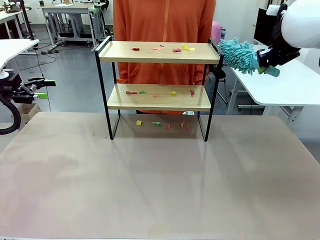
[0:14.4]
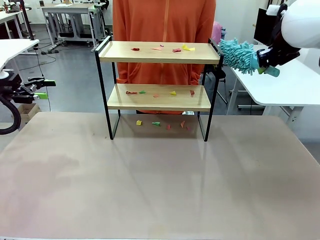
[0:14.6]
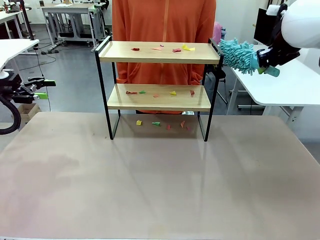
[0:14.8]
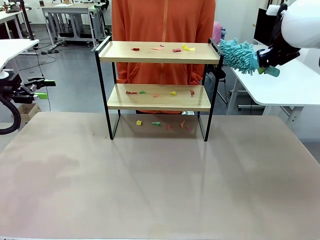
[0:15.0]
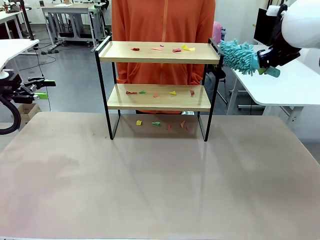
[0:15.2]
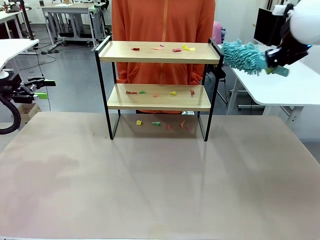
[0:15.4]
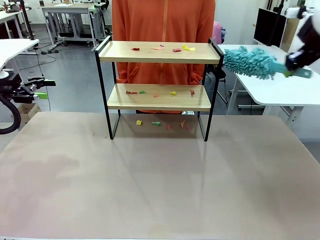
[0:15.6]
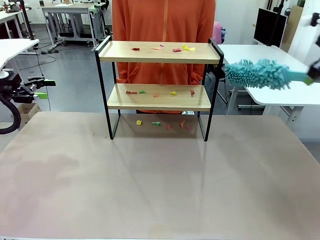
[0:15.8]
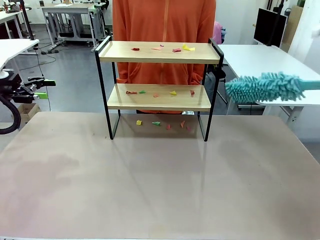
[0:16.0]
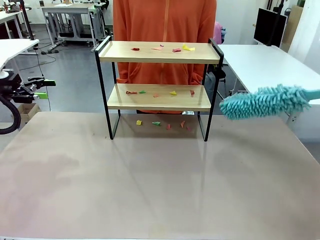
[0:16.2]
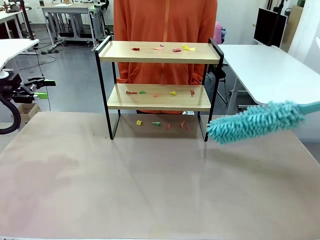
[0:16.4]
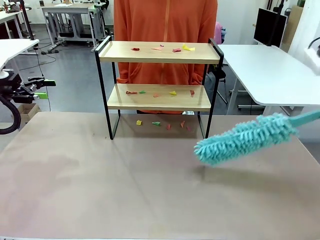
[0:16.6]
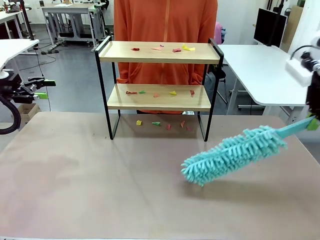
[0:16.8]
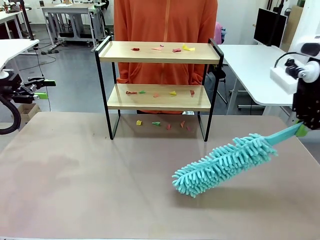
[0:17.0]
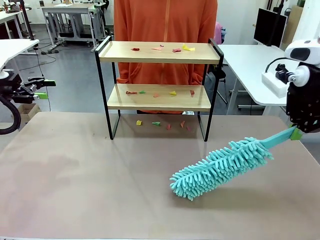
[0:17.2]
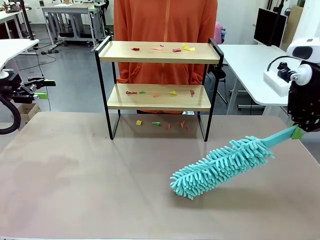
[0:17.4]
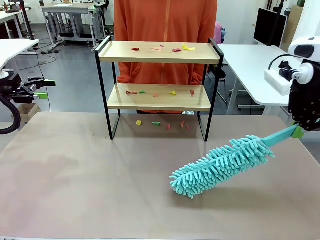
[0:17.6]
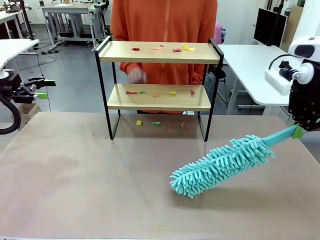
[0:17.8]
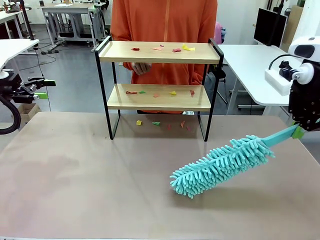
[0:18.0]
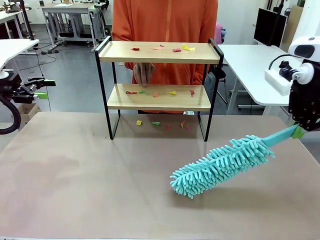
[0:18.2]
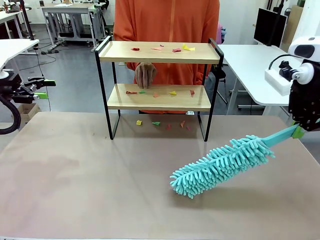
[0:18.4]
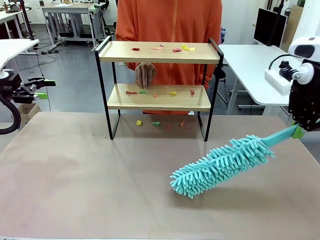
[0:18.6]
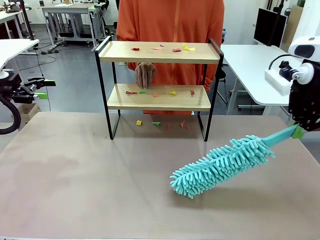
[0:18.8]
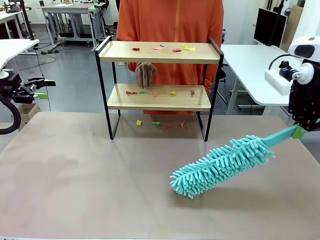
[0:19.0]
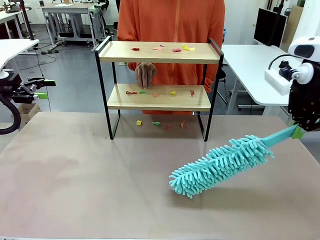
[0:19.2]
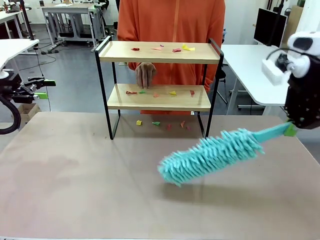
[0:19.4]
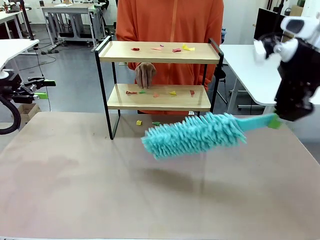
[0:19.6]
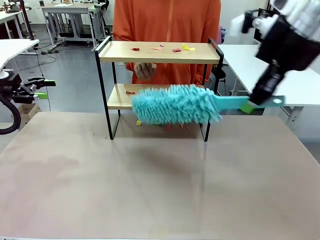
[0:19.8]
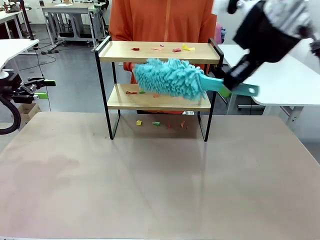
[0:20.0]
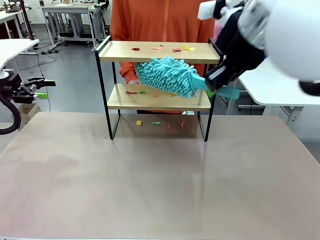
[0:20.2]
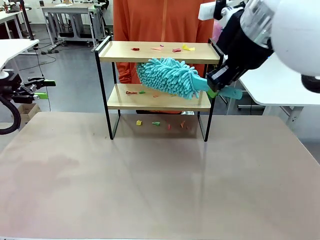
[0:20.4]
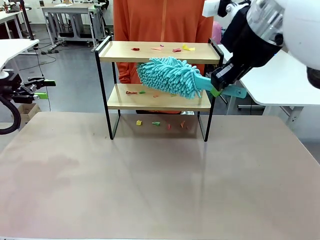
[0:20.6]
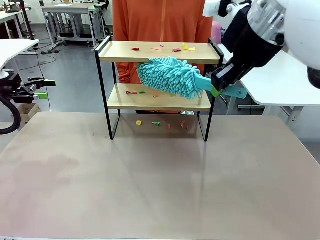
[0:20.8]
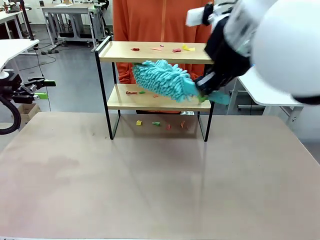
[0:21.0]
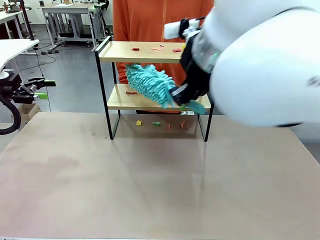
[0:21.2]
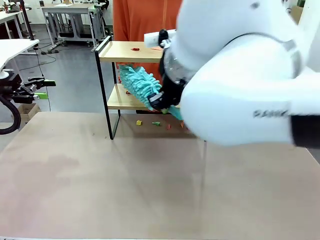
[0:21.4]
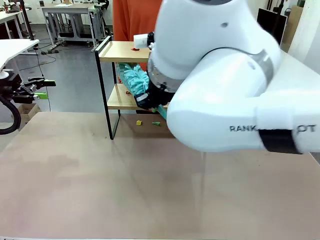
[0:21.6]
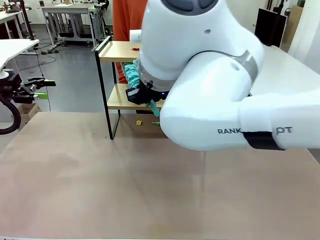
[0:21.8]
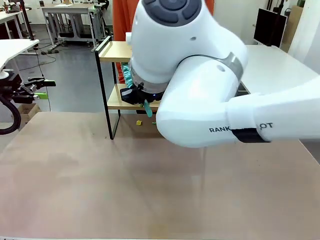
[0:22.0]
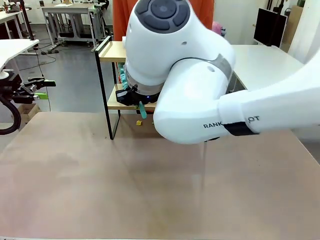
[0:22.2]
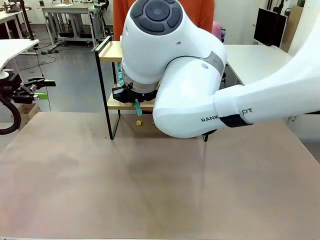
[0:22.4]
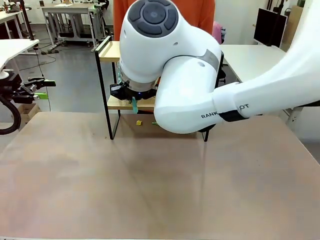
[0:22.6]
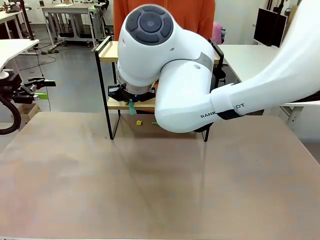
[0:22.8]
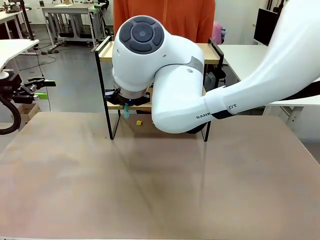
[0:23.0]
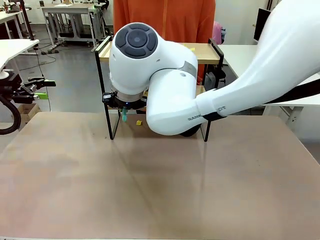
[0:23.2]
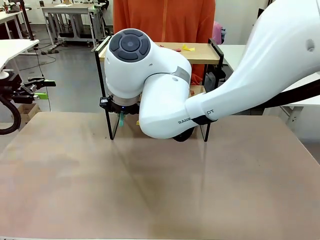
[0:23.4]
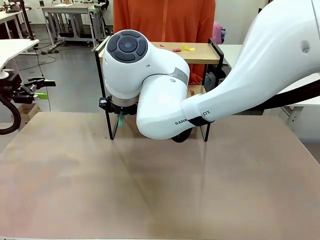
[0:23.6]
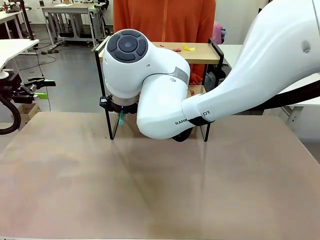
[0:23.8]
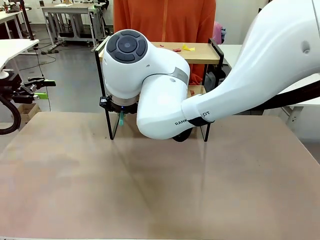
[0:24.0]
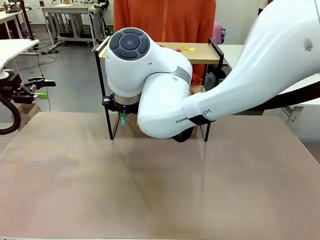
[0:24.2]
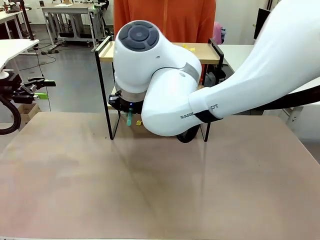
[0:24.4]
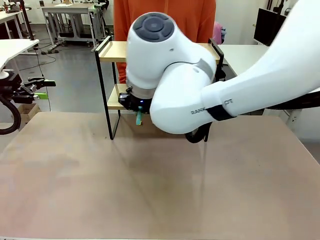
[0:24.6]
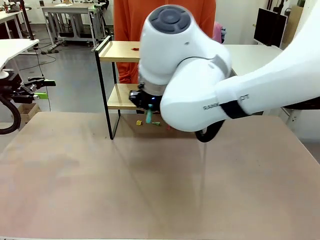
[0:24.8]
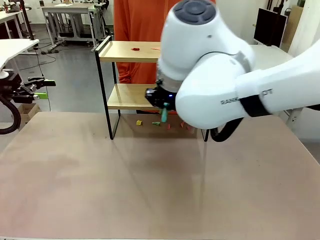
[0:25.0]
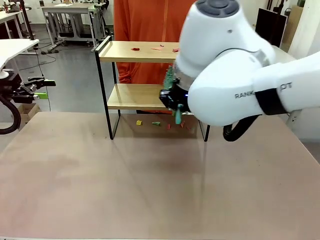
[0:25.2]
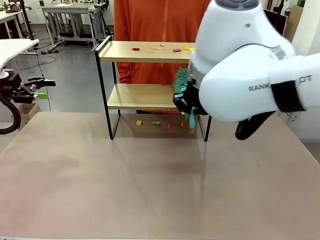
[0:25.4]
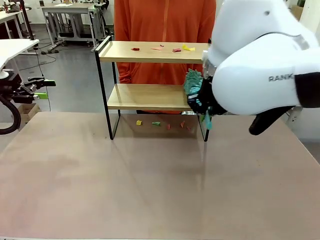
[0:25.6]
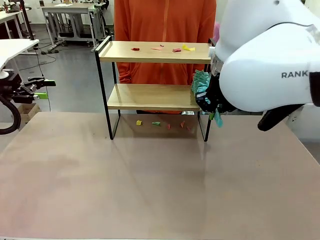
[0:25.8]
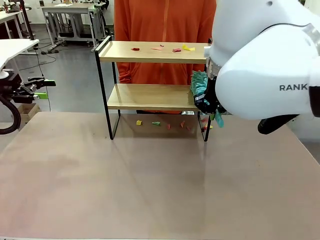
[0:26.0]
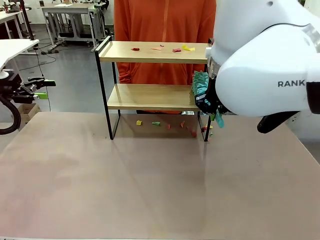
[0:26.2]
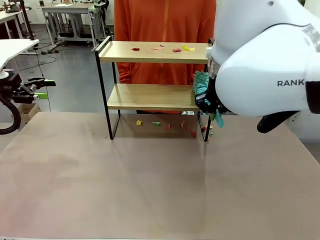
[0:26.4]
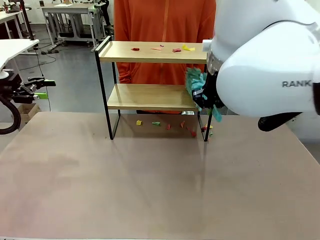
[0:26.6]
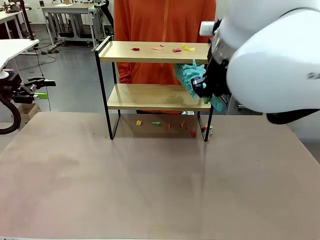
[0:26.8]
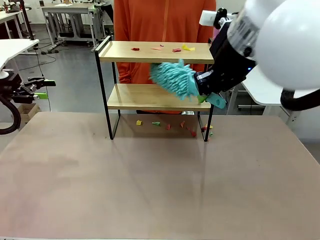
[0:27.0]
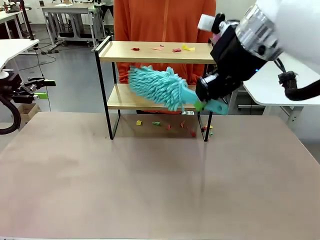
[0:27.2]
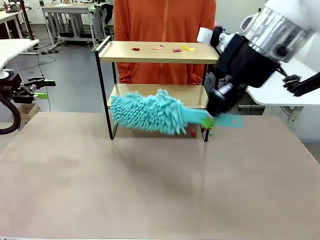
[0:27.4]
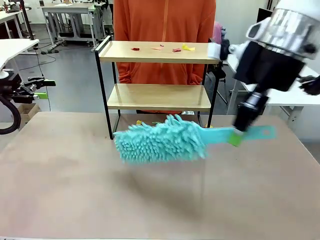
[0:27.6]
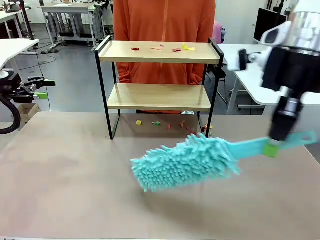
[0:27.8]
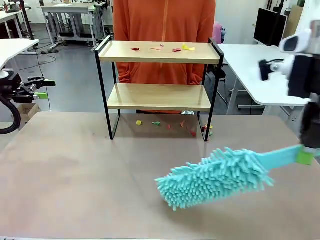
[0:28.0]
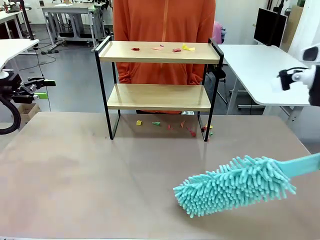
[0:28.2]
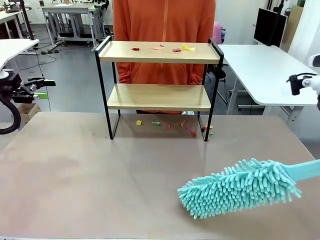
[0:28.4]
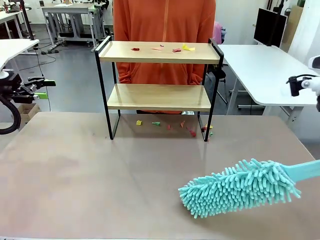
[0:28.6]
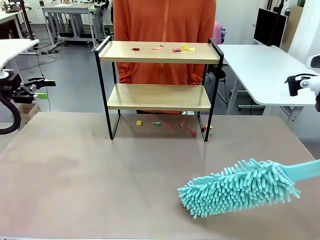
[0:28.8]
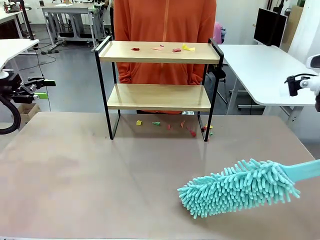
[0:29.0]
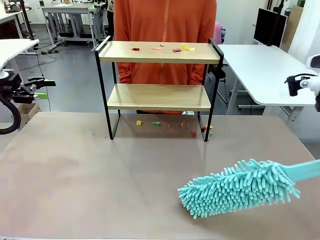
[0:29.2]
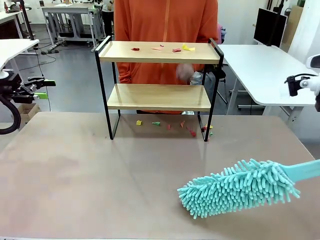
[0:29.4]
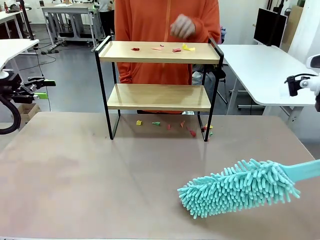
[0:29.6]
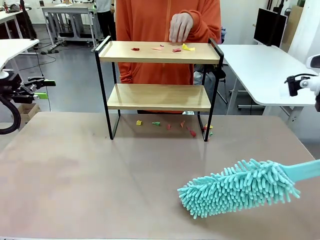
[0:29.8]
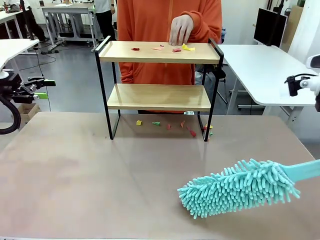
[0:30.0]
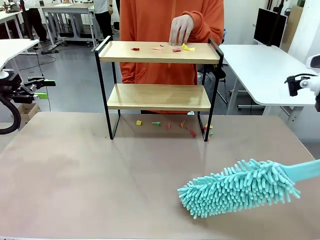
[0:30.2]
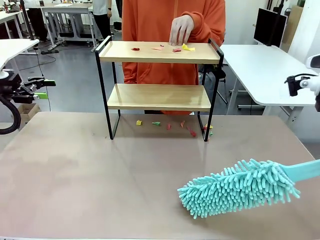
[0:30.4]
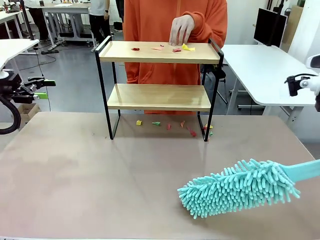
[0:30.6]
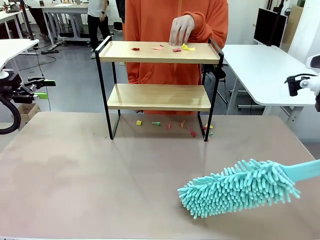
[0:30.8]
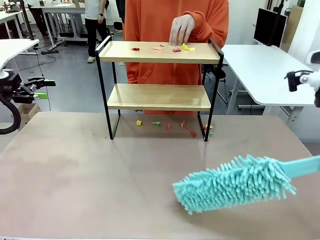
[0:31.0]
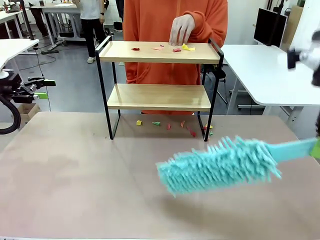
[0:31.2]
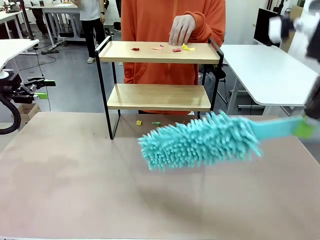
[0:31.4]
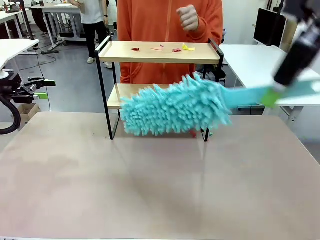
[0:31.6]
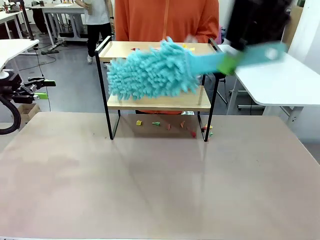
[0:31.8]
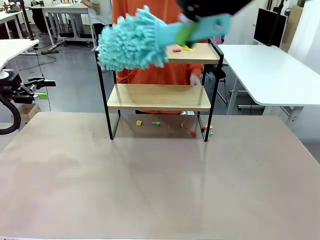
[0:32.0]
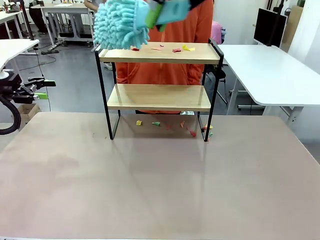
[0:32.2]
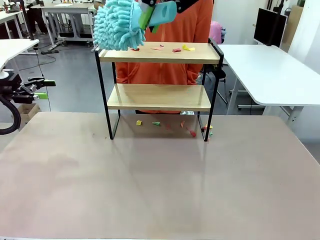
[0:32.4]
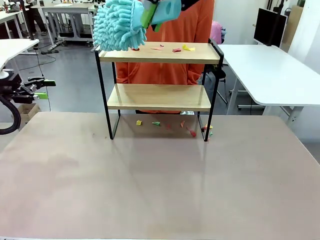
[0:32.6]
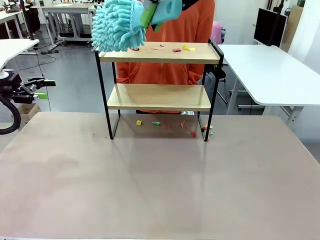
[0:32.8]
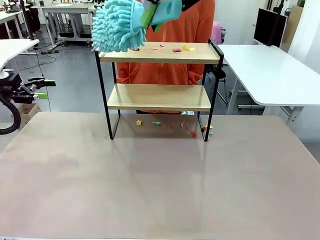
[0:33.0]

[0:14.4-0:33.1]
Task: Clean the shelf.
Robot: Clean the specific section of the Shelf indicated by the human with the Duster.
Person: Point a random section of the Shelf.
